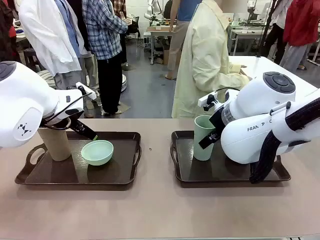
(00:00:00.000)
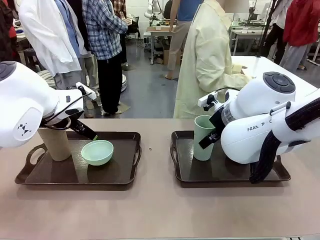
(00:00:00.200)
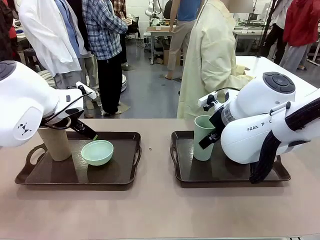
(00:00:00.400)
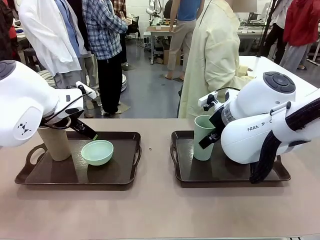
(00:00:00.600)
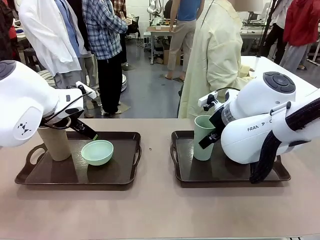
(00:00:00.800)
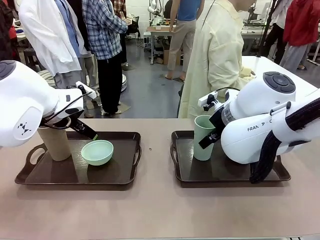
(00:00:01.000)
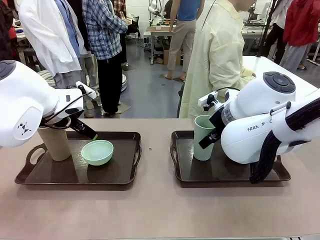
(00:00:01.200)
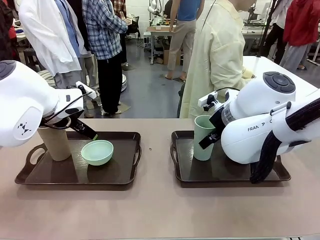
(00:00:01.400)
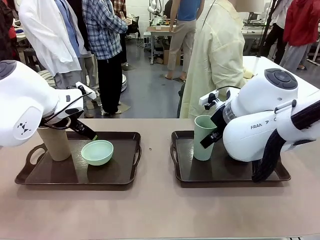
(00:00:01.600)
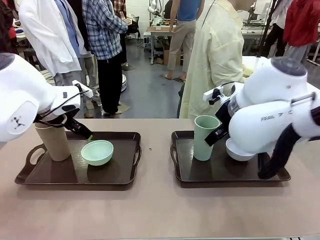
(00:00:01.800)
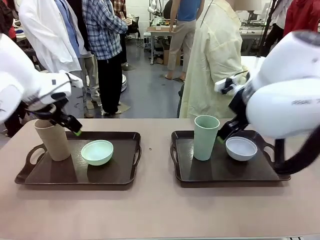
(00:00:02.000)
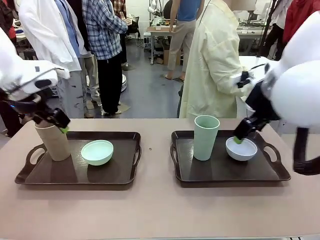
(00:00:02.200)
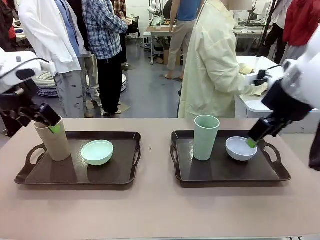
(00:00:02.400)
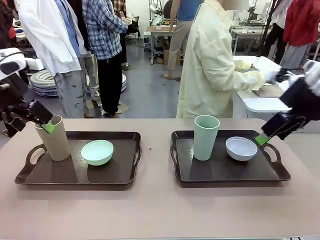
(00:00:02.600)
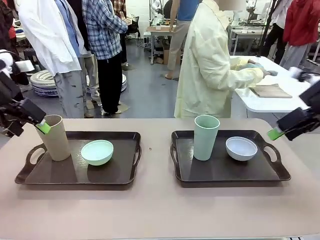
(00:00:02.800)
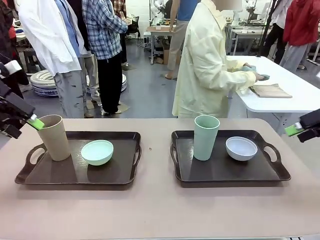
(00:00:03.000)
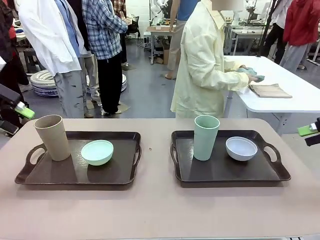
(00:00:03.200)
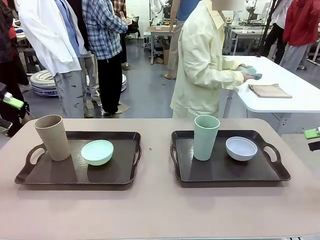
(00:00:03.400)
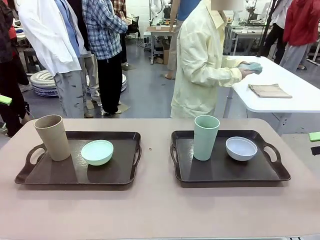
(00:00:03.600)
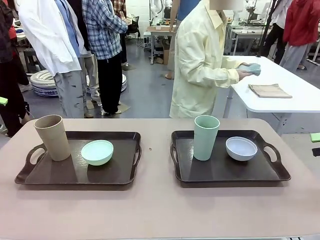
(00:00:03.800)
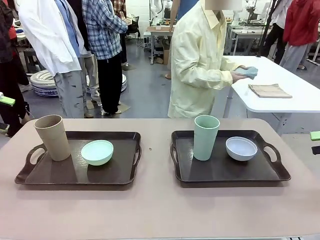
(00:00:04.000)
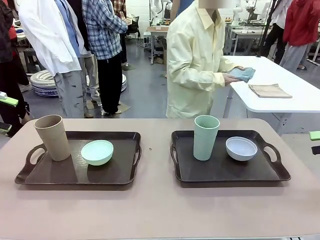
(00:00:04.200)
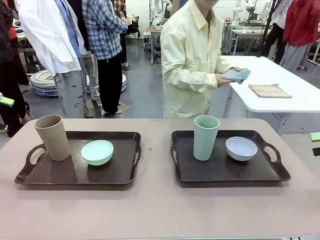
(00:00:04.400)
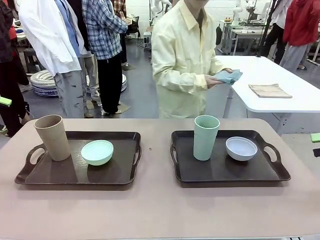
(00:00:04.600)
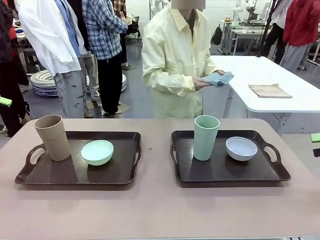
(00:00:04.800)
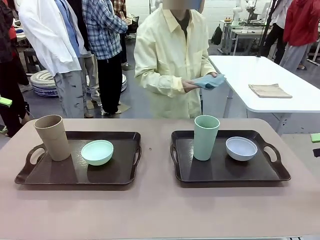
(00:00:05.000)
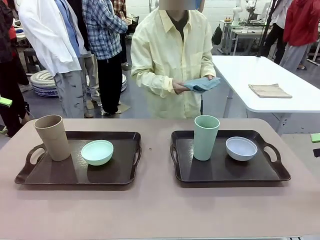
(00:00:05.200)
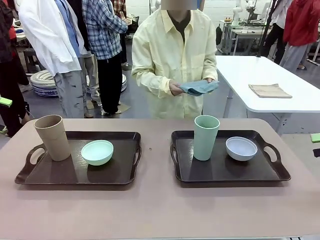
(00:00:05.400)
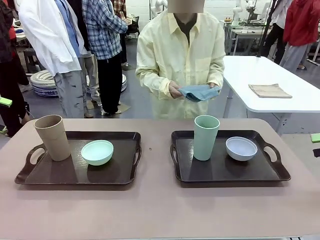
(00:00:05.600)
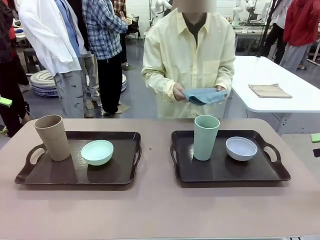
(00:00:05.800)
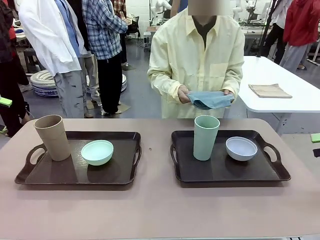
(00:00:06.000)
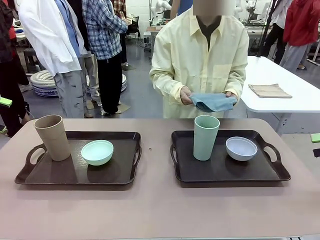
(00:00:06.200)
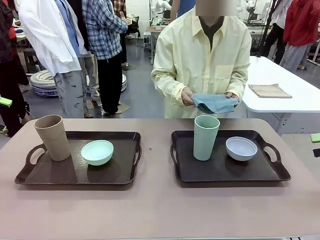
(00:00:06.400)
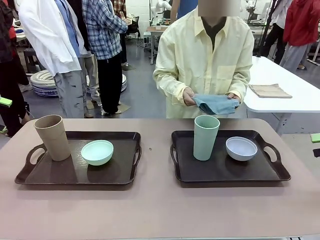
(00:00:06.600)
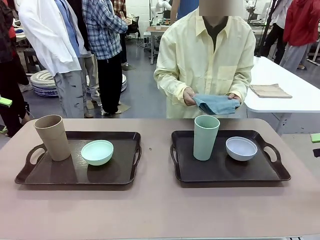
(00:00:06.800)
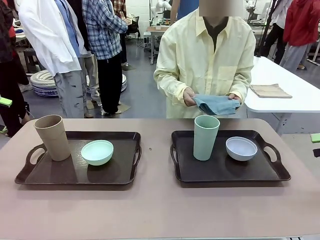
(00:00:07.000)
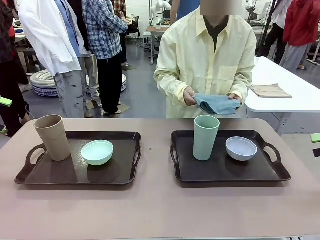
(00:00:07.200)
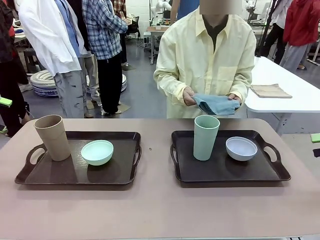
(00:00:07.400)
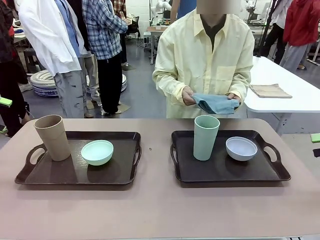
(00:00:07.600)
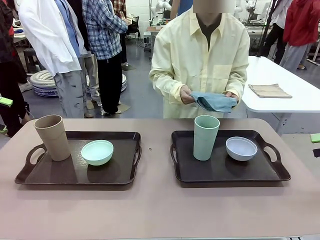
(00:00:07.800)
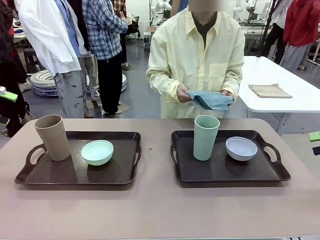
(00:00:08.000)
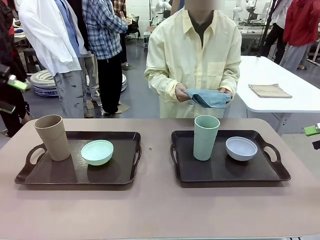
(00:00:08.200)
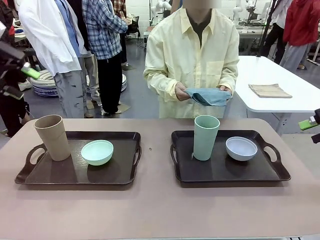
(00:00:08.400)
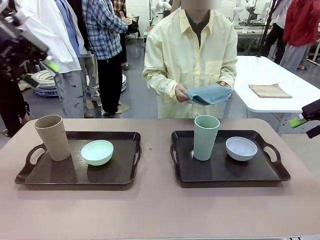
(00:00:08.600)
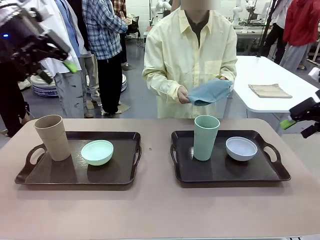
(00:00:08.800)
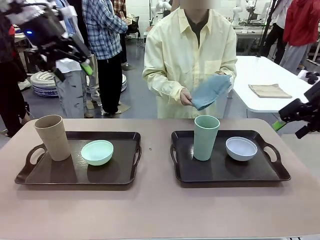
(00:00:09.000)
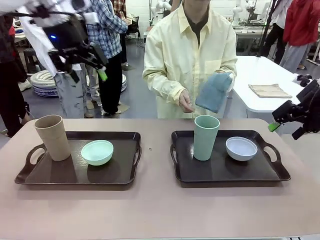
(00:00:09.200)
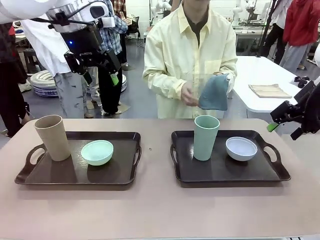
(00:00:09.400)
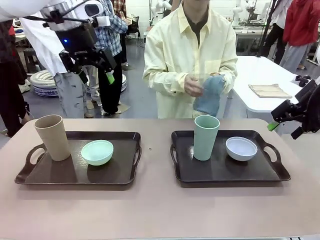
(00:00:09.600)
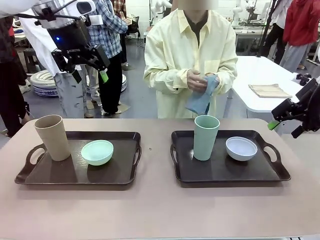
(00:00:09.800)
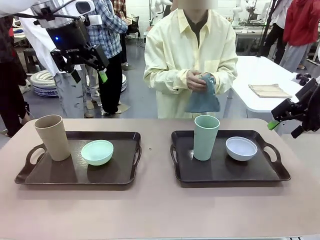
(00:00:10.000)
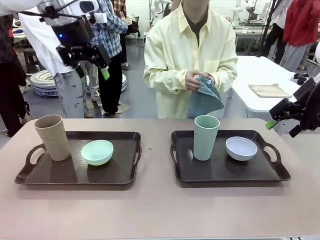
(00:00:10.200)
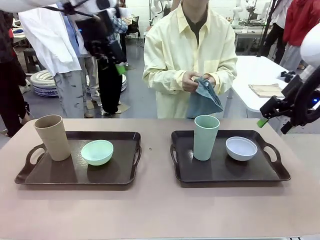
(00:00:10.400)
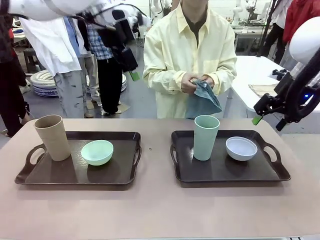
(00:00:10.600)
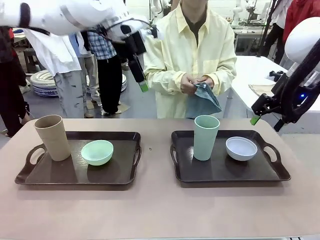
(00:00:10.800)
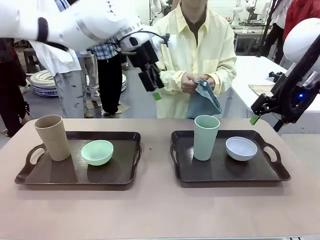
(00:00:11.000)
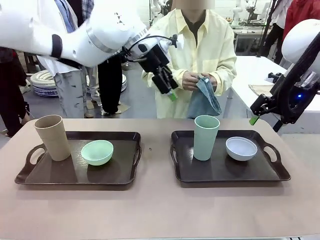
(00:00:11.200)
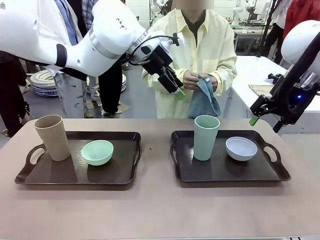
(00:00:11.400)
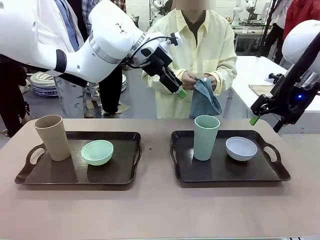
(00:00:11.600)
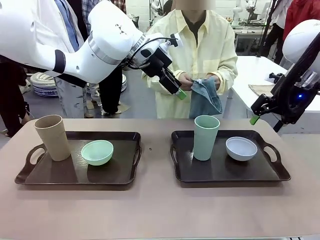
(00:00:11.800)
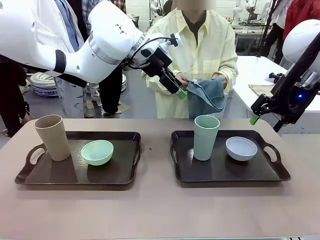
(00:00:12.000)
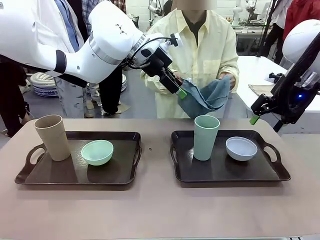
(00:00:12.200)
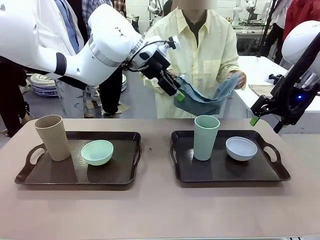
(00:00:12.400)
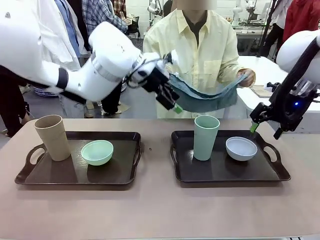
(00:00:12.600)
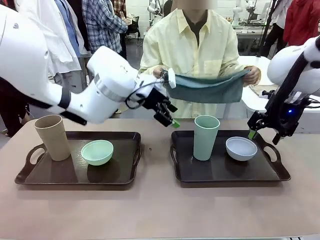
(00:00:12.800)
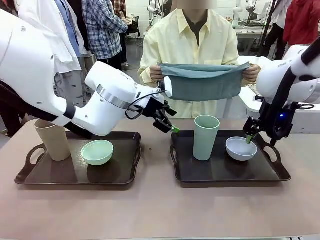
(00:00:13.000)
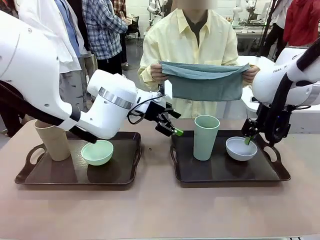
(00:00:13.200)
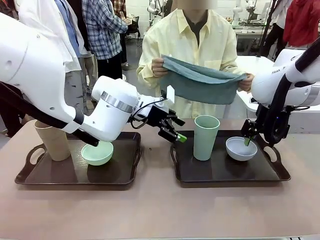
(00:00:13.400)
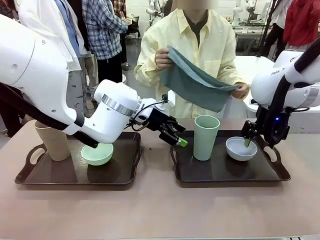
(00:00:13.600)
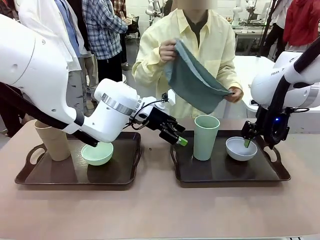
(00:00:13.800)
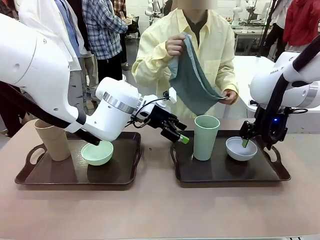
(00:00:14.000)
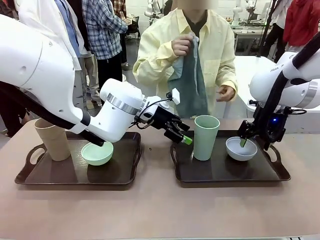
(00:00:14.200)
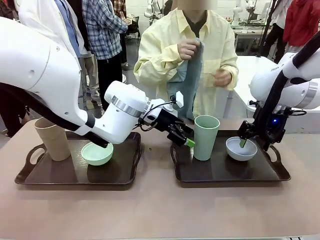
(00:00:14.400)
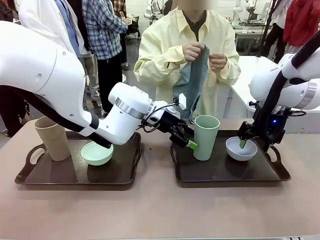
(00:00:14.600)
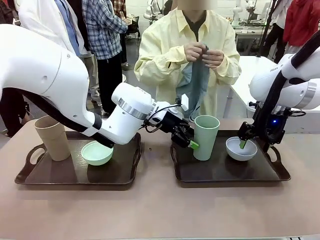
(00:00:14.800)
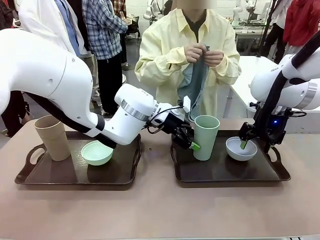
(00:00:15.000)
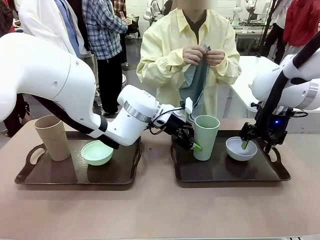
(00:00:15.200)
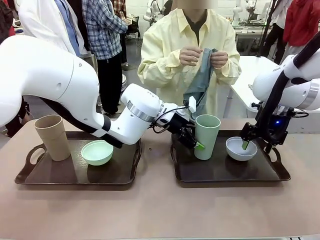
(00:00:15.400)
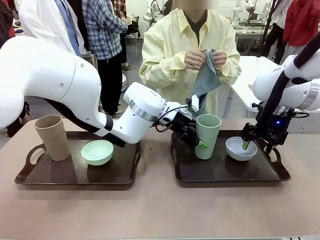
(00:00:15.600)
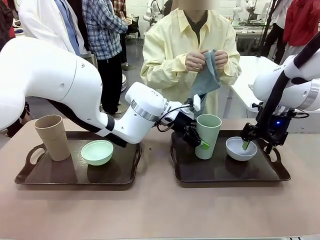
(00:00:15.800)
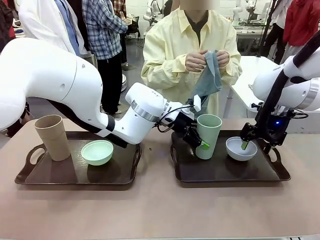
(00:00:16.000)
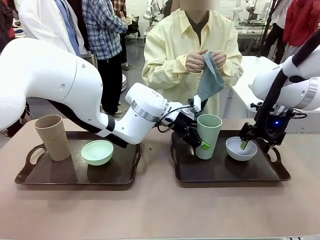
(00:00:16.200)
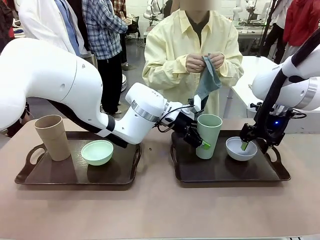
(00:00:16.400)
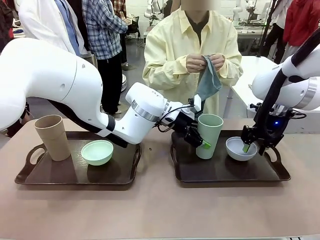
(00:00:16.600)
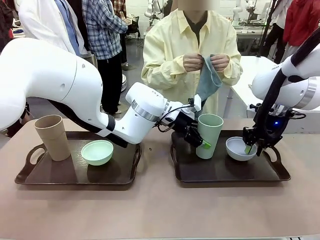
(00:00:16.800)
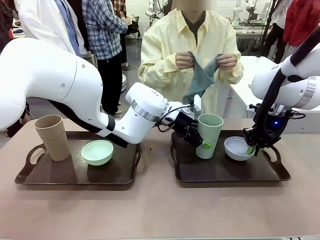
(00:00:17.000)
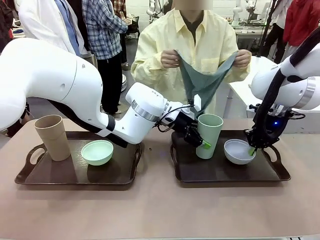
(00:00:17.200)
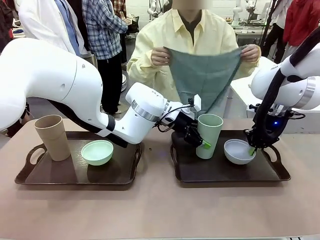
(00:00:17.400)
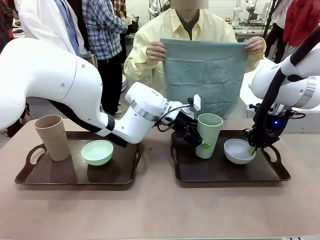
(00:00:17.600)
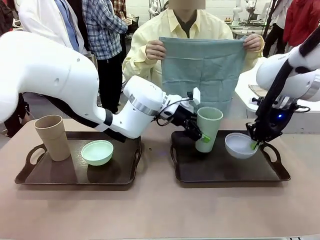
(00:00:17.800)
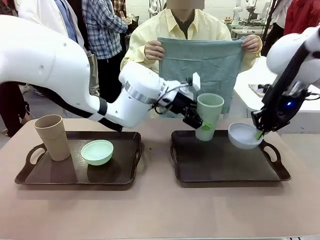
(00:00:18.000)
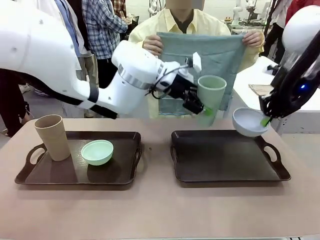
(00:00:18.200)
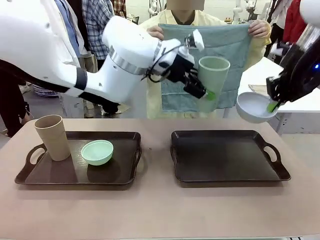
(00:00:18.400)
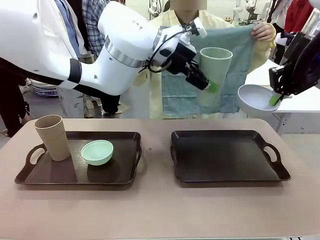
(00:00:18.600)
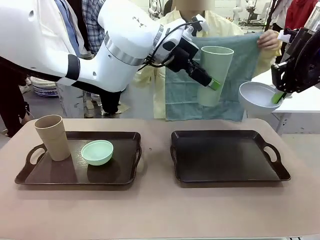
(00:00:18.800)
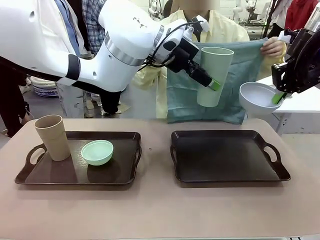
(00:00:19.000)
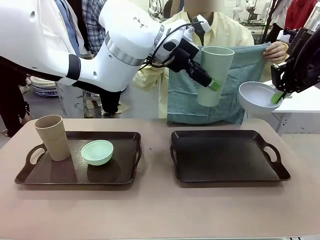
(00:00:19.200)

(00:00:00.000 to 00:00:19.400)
Robot: Pick up the Picnic Bowl and Reusable plastic cup from the Handle tray in front of the human's position and hold them in the air.
Person: The human picks up the top napkin from the stack on the human table and walks to the robot table to stand in front of one of the two trays. When the robot lifts the bowl and the cup, the human unfolds the napkin and lays the napkin flat on the tray.
